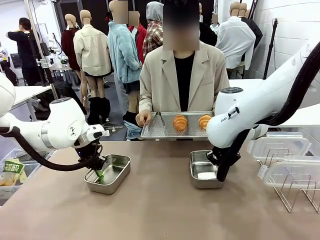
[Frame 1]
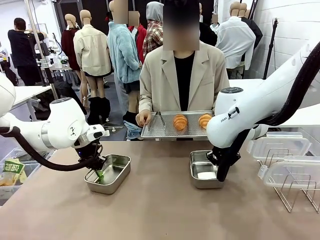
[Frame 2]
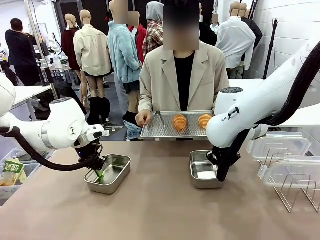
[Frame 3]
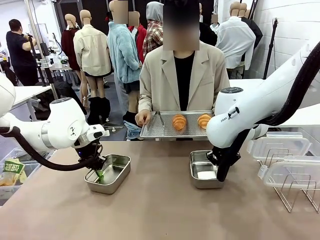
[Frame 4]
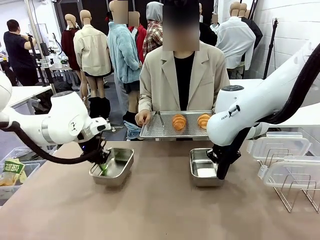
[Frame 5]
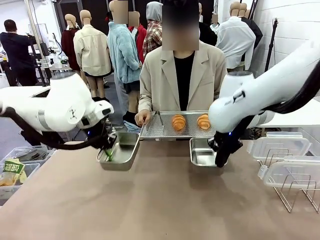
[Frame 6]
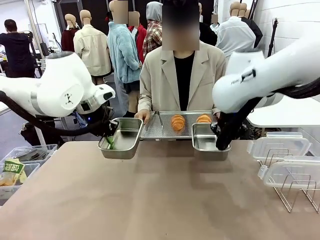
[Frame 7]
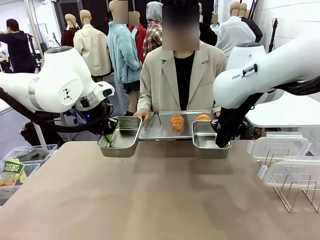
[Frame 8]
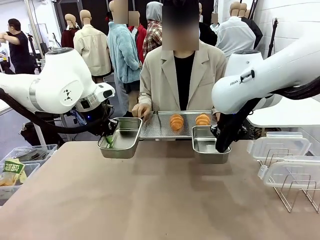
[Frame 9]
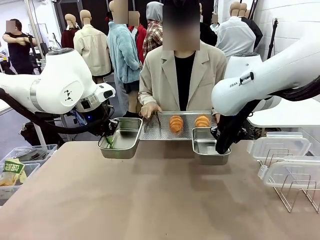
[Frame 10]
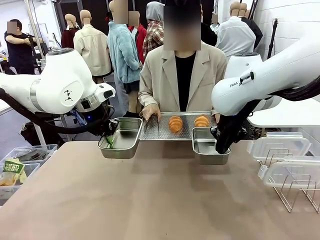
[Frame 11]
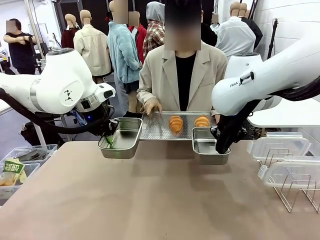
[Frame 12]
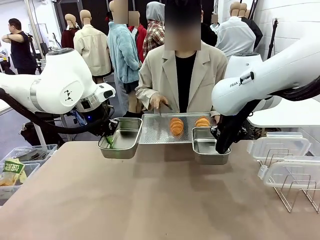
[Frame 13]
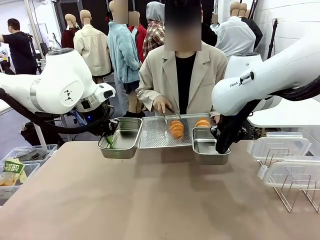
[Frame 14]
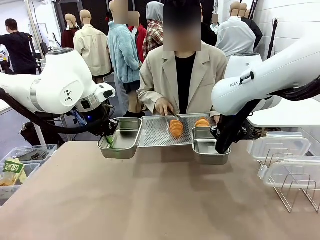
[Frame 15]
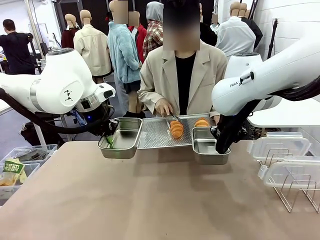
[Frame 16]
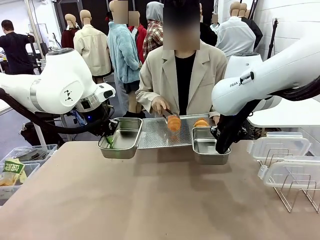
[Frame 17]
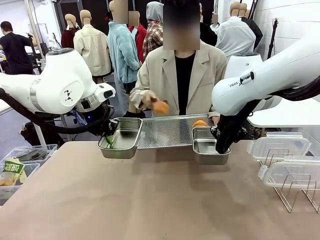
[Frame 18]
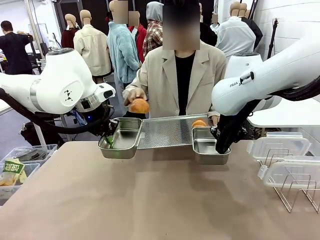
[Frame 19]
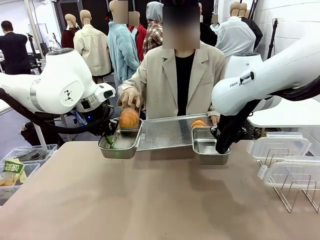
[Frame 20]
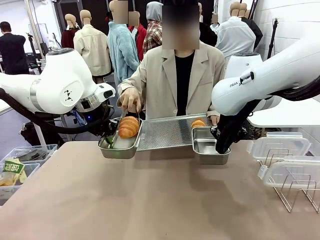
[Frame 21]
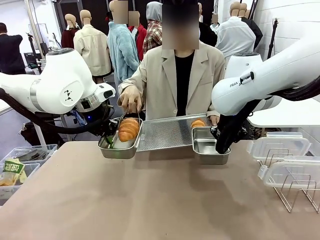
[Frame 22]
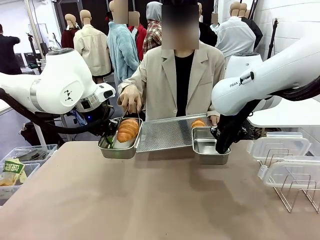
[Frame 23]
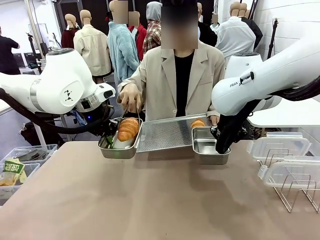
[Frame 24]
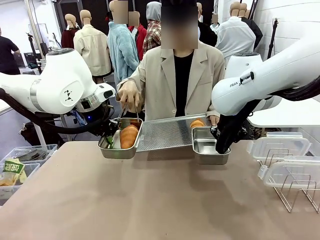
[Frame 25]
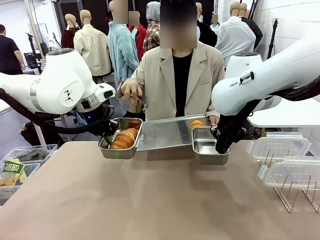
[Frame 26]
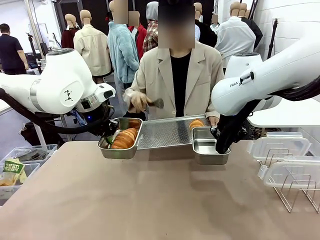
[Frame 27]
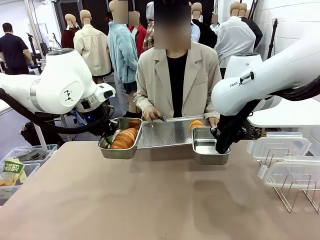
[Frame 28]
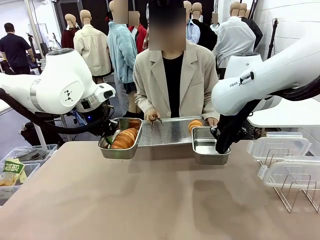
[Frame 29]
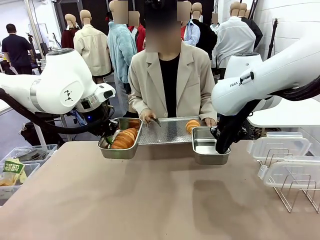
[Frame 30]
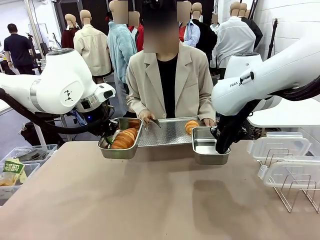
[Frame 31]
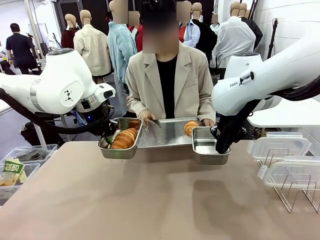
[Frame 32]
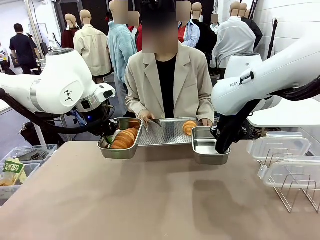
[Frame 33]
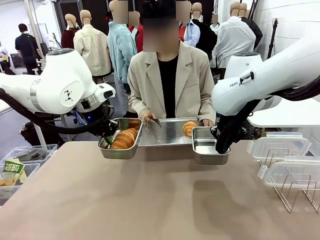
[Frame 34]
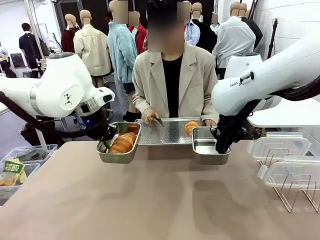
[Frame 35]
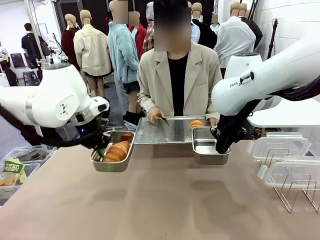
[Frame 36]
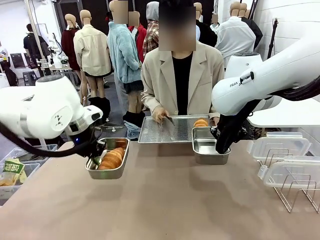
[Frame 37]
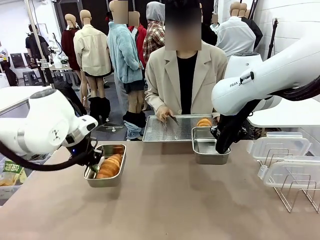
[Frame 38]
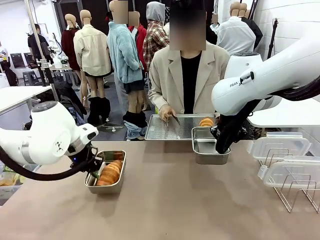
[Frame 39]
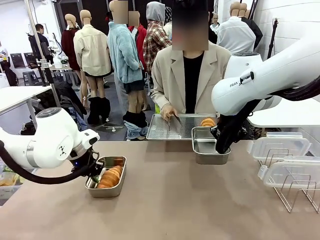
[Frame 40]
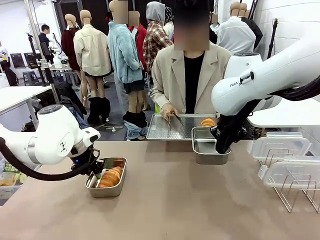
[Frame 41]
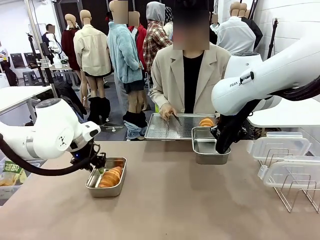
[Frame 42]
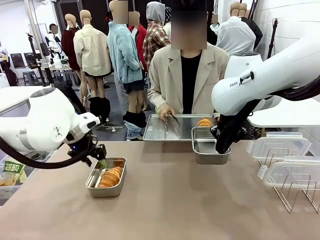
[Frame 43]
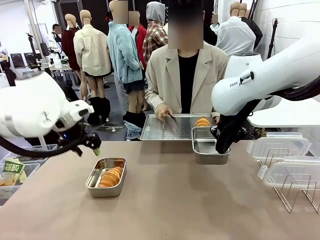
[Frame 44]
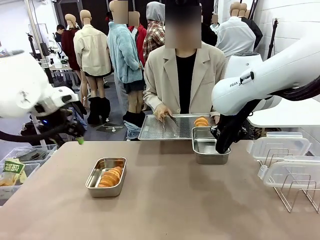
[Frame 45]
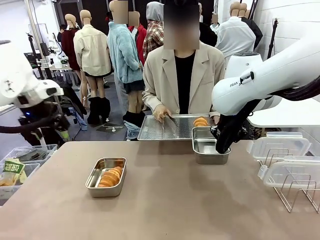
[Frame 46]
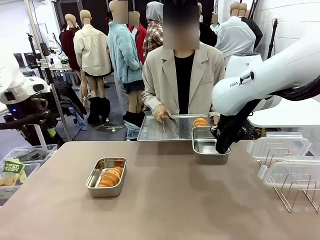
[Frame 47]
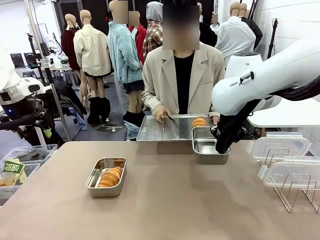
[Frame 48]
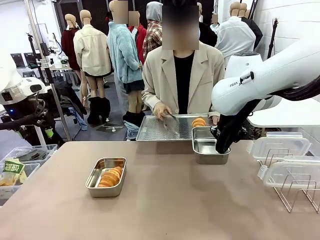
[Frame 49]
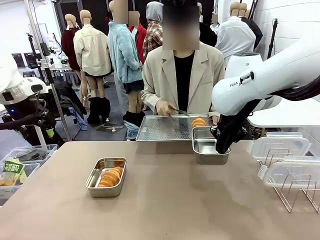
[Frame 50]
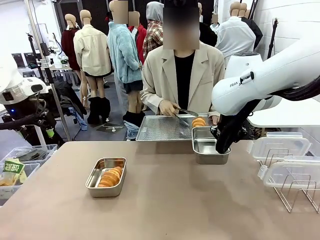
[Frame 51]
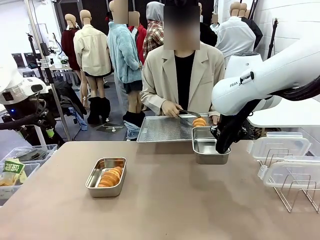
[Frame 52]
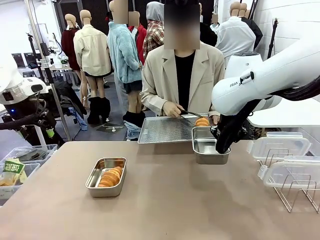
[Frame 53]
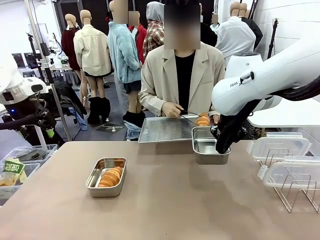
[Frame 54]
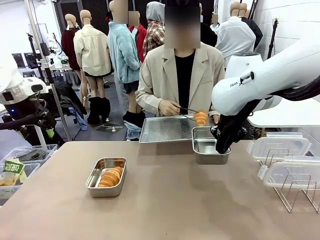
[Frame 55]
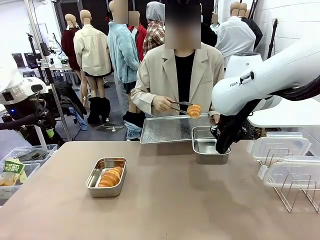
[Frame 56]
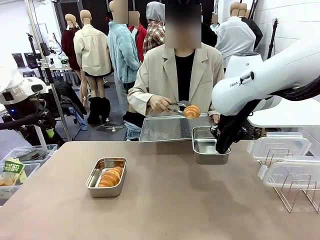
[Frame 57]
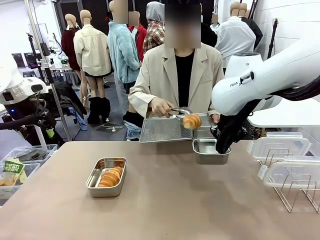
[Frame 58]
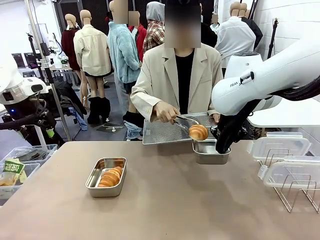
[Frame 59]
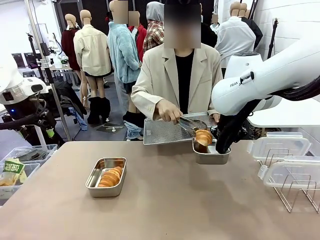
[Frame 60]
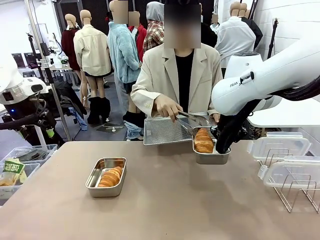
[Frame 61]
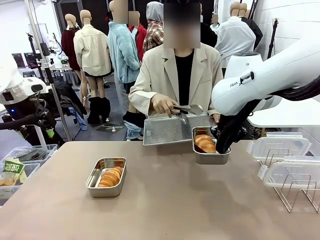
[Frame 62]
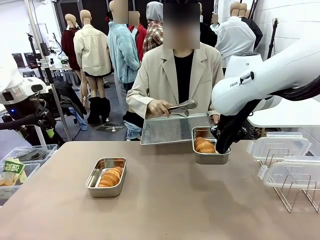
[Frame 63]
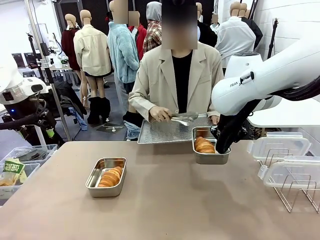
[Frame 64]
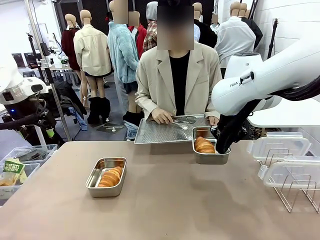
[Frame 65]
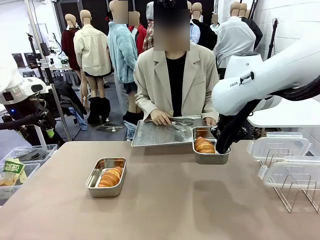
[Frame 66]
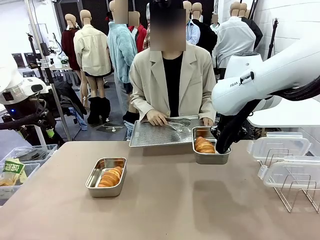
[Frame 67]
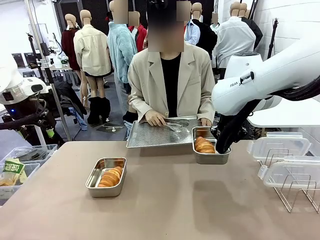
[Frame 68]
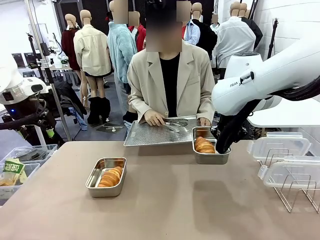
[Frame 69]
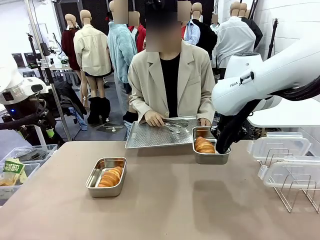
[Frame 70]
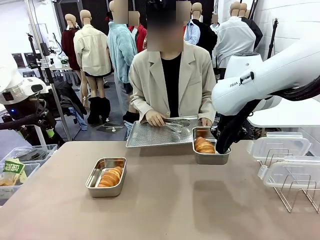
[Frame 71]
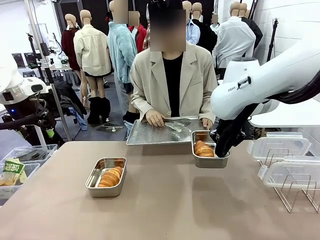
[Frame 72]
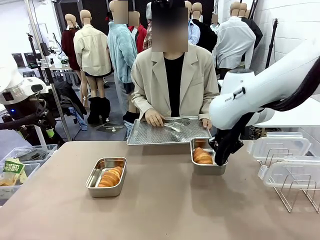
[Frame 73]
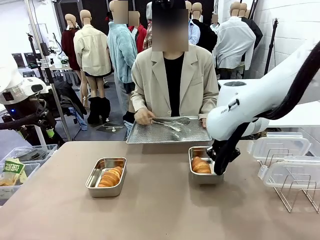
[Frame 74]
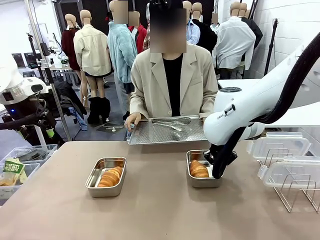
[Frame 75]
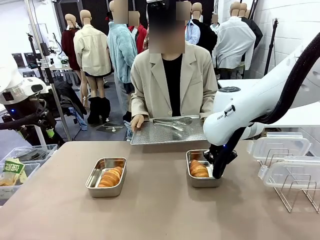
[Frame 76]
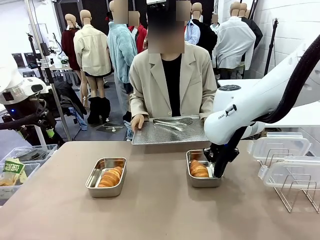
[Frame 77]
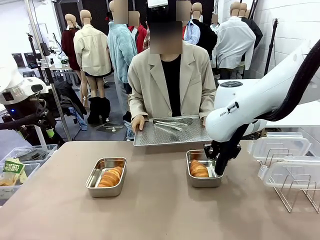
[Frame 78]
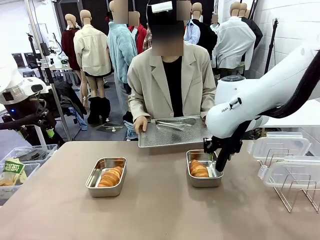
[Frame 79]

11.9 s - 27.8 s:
Task: Place the bread in airtight containers.
Robot: Once an object is inside an Airtight Container , place the container in the center of the table.
Person: Use the Stainless steel tongs to place one object from Baking Sheet into one Airtight Container.
